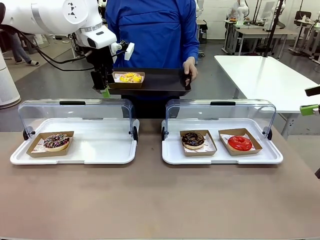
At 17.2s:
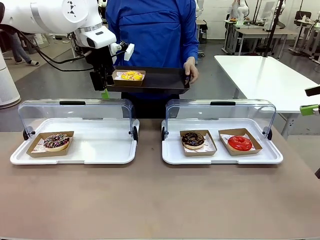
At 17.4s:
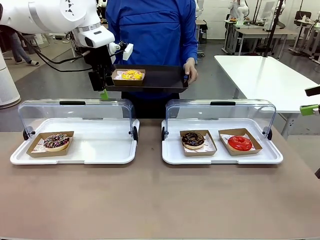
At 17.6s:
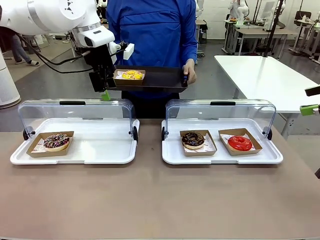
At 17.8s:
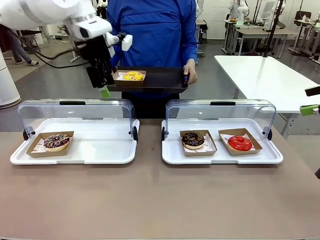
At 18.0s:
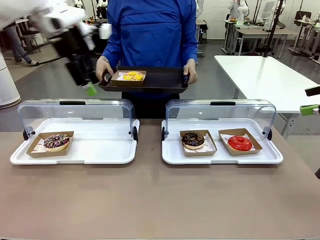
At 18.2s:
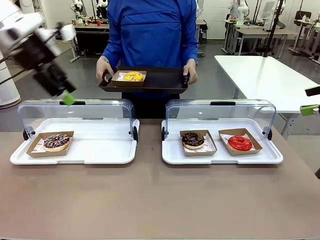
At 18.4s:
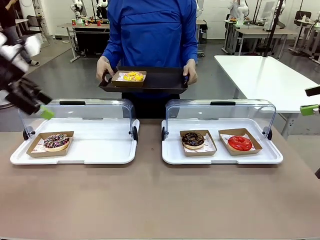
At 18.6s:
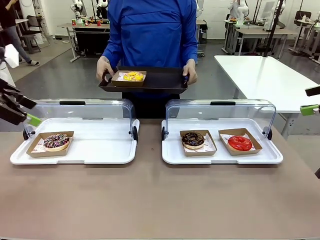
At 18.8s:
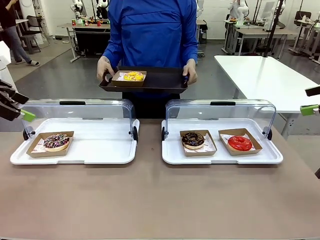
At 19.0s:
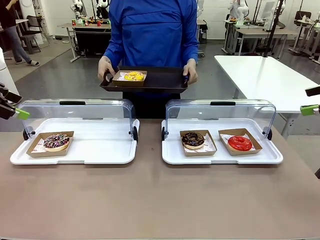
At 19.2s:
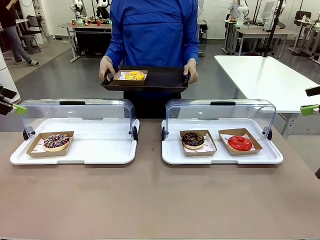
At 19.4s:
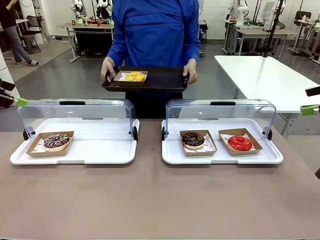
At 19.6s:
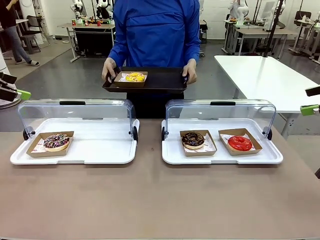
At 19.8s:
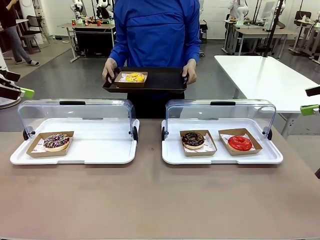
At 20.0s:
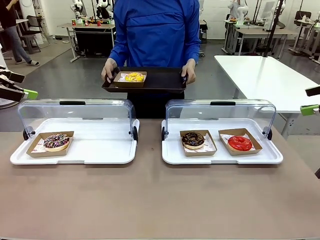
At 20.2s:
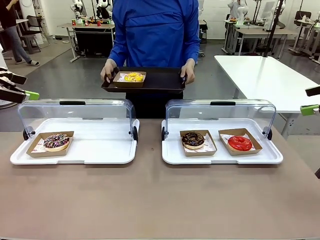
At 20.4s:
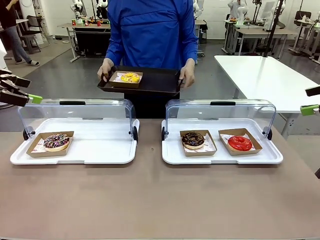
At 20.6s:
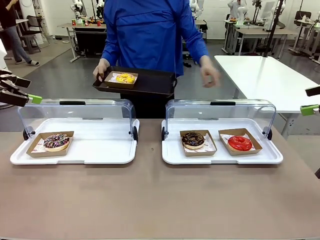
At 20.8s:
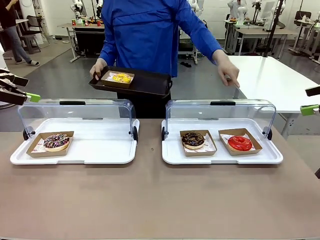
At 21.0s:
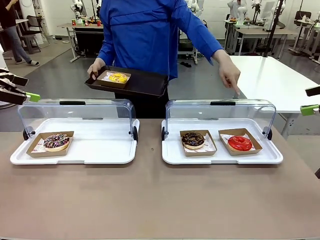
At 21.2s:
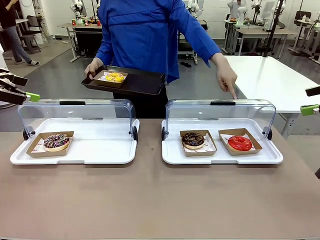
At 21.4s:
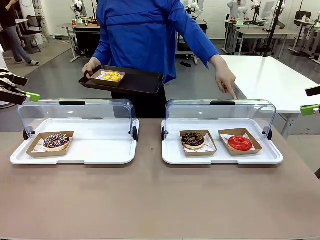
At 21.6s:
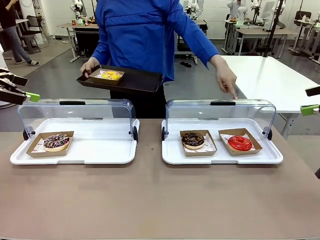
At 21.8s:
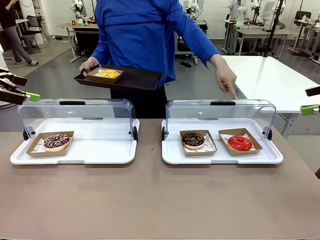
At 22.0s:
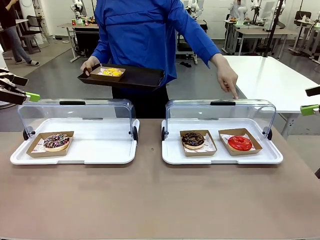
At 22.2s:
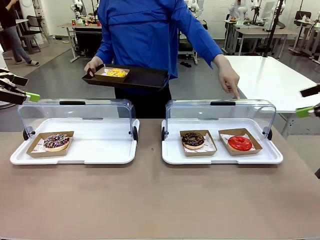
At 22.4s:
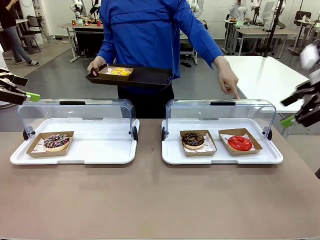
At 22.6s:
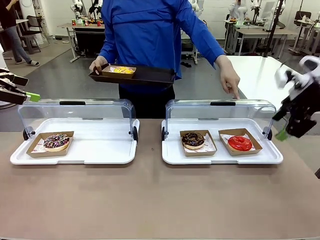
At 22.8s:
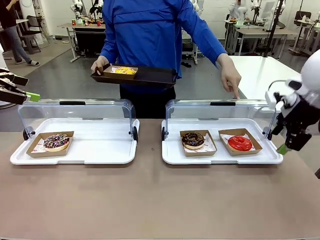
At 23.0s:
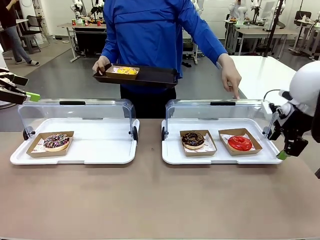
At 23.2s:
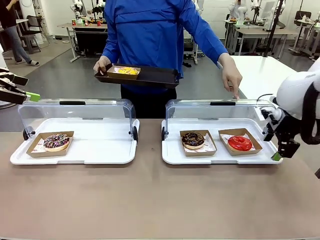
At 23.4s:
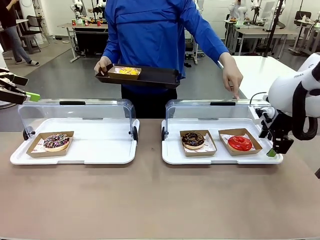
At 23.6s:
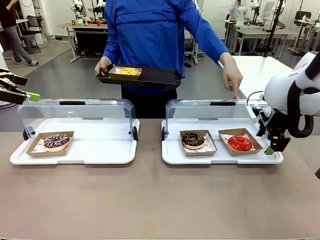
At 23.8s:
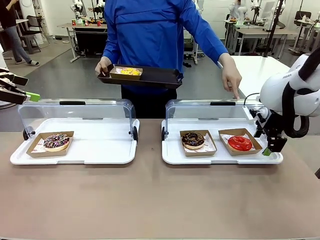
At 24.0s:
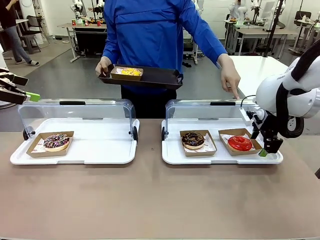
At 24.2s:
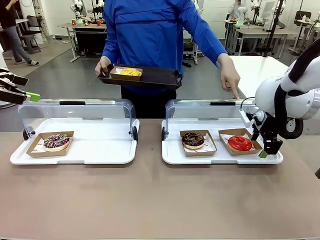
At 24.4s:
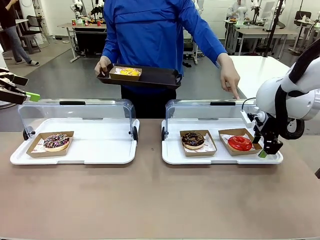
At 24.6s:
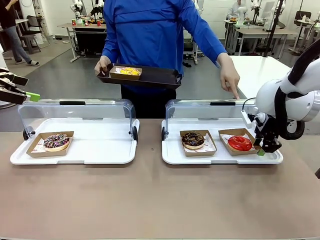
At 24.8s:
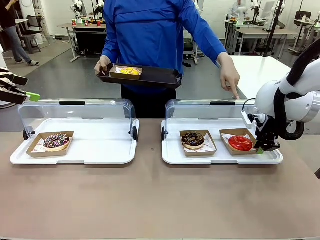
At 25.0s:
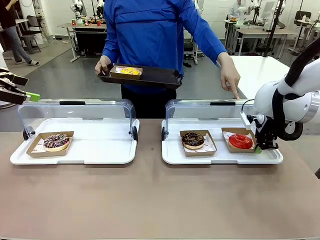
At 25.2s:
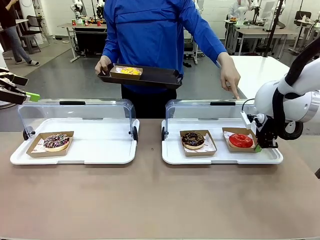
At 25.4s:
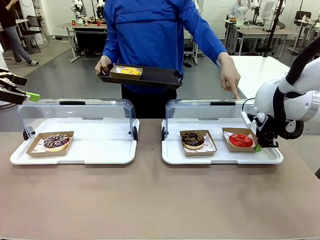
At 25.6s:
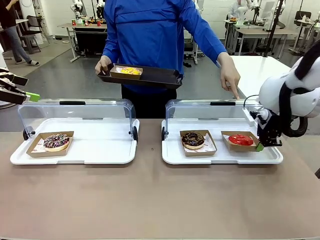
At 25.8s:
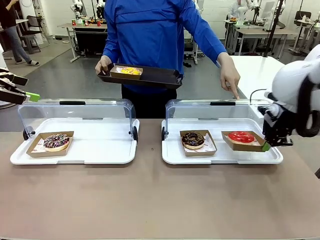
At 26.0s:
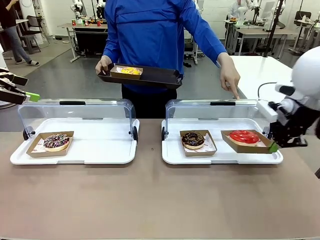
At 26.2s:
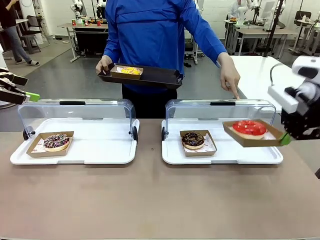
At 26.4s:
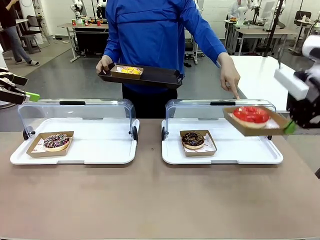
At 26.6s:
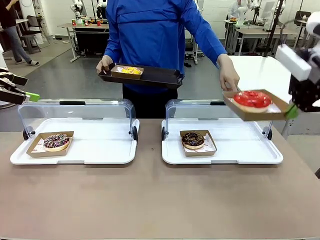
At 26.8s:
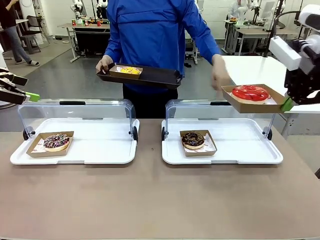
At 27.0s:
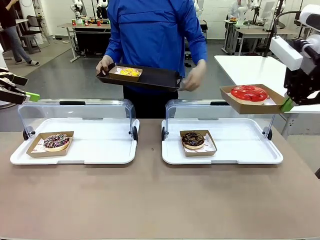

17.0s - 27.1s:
Task: Provide the desired donut to the person.
Robot: Pick up and lift the Paper togo box containing the Donut pointed at by the person.
Person: Point to one donut. Lift the tray onto the Roll-Top Bakery Case.

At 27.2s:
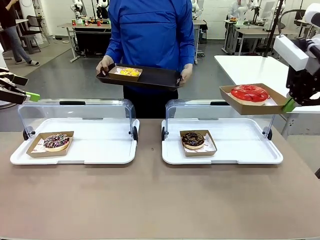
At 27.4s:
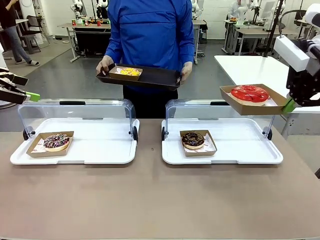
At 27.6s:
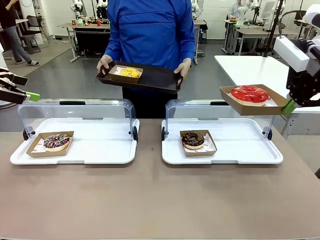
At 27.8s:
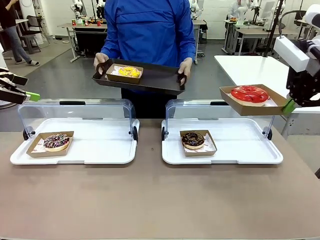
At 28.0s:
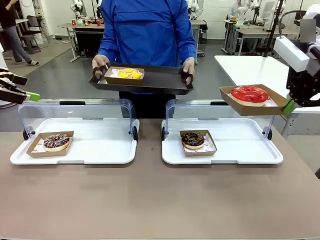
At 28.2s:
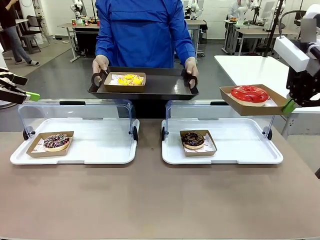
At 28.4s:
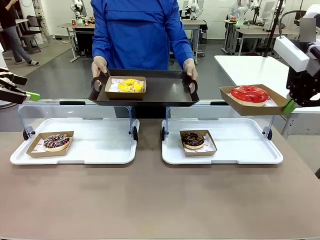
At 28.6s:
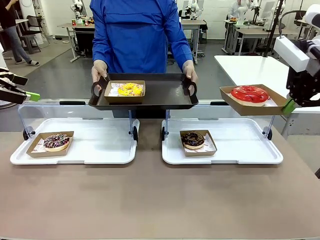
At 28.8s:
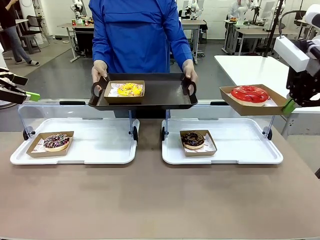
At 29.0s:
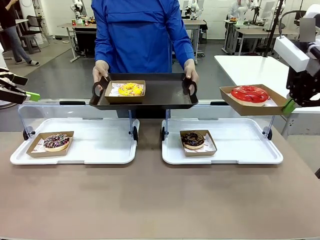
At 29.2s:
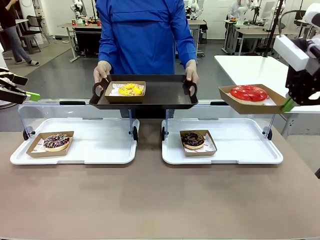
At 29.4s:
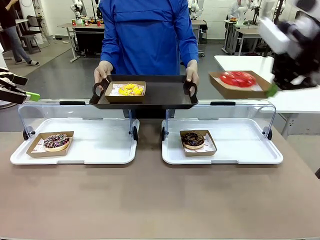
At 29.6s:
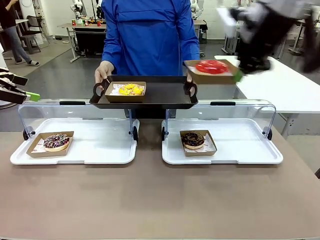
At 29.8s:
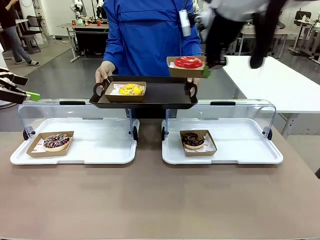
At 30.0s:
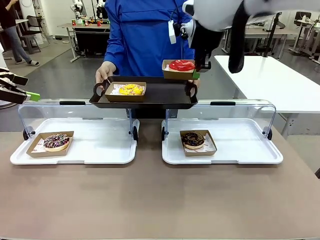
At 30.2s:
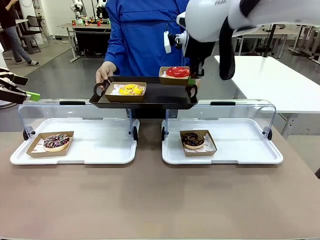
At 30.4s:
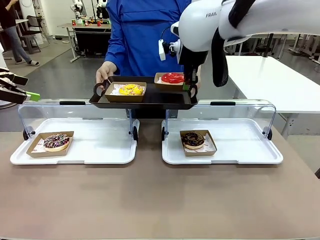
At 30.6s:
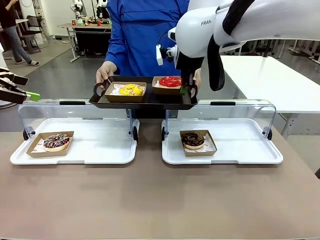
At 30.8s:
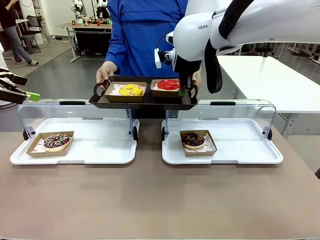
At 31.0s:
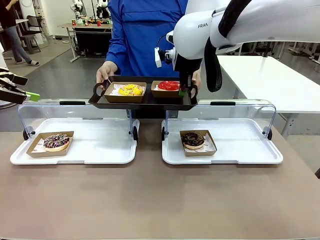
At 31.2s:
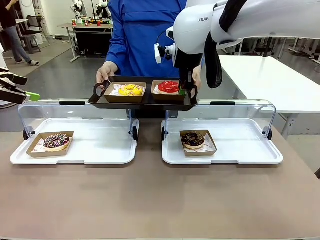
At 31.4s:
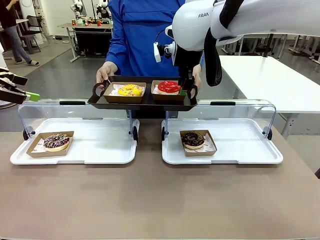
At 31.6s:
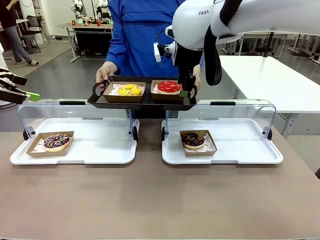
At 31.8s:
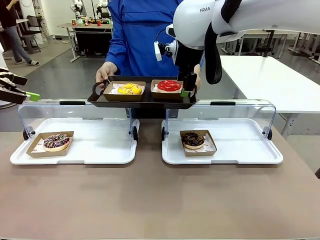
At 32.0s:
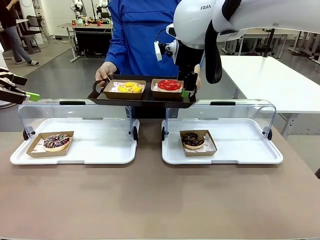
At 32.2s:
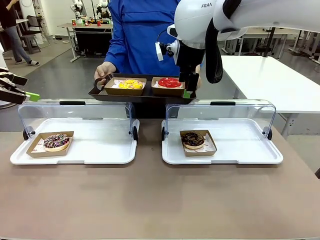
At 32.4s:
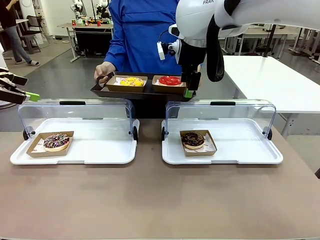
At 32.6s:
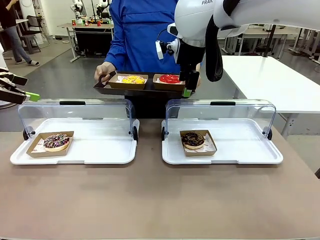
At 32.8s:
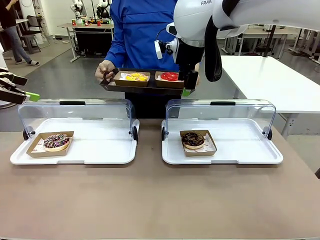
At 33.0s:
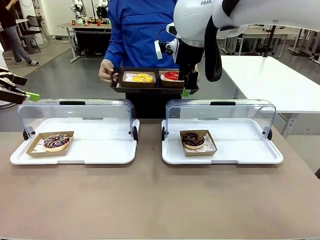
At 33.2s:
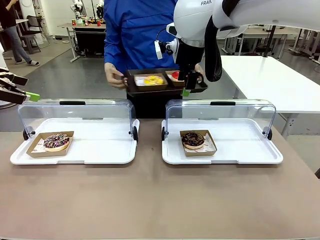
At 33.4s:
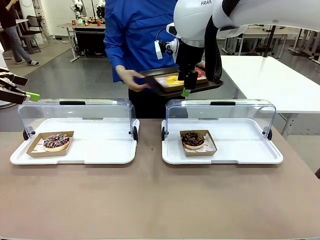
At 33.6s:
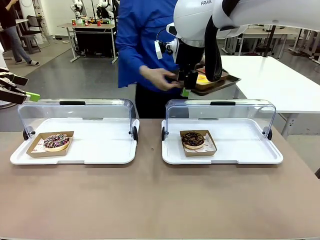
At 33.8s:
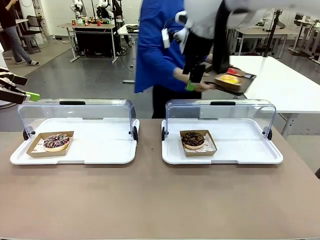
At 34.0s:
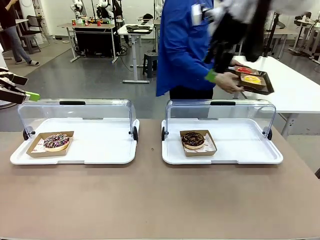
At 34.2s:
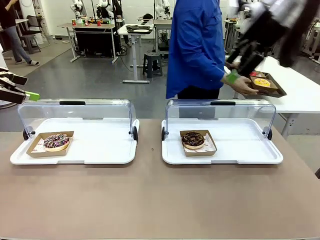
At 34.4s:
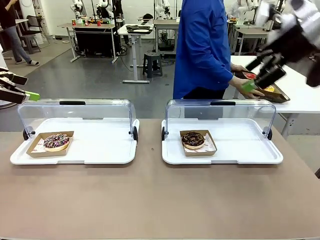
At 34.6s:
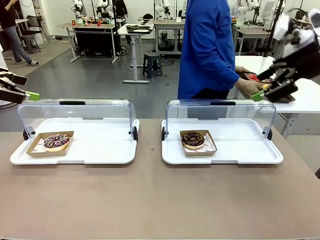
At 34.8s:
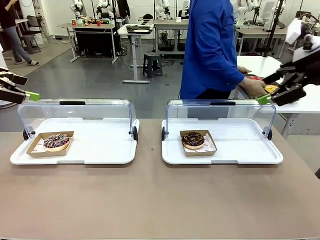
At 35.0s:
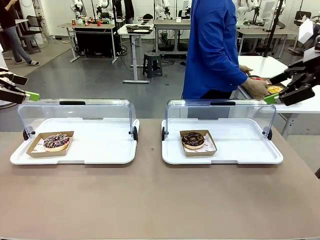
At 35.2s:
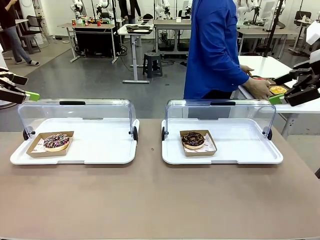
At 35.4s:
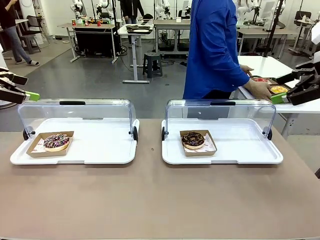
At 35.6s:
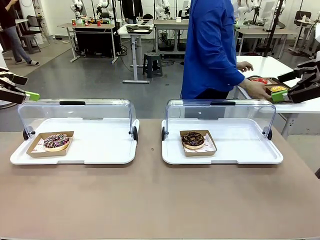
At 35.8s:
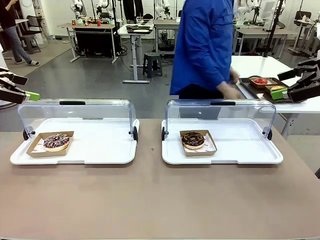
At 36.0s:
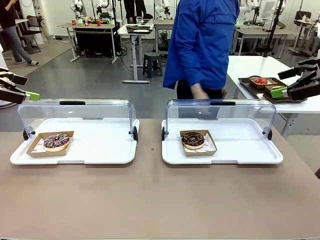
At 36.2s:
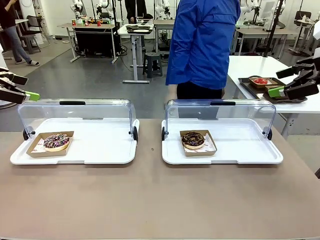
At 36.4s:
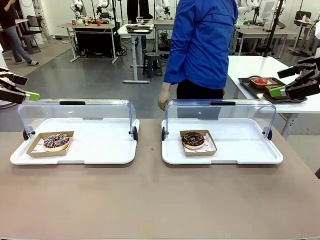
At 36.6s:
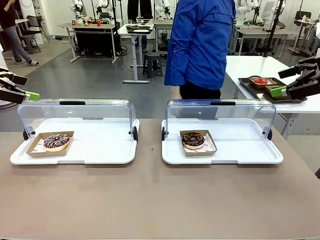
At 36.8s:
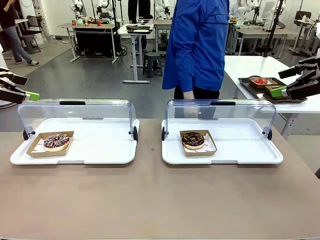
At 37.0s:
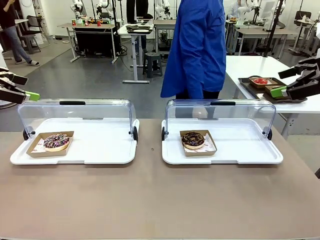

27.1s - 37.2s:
Robot: Place the picked Paper togo box onto the Handle tray extended by the person.
Person: Place the tray in the middle of the human table.
